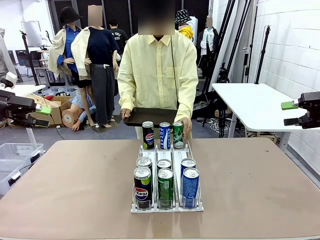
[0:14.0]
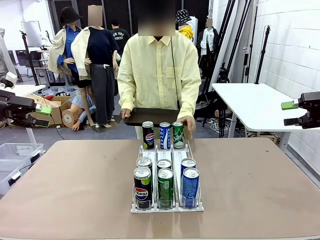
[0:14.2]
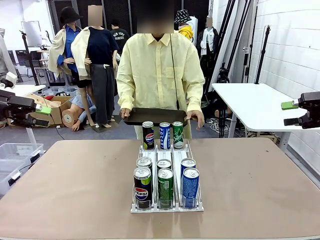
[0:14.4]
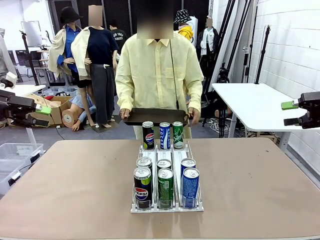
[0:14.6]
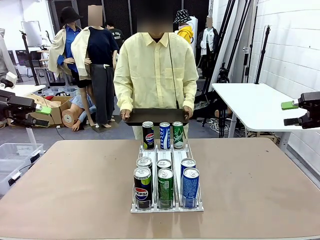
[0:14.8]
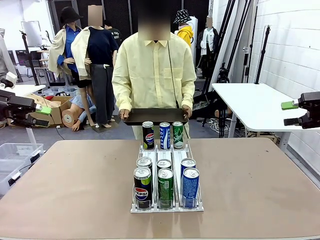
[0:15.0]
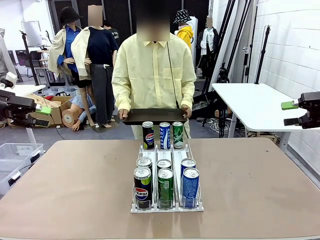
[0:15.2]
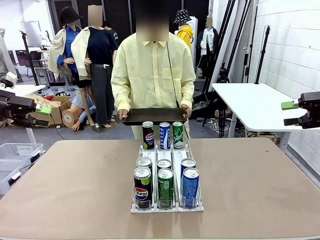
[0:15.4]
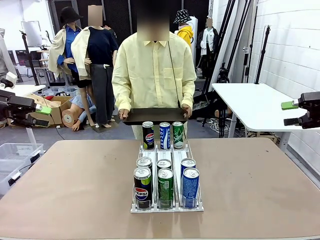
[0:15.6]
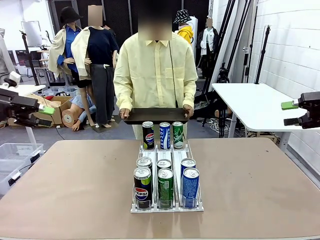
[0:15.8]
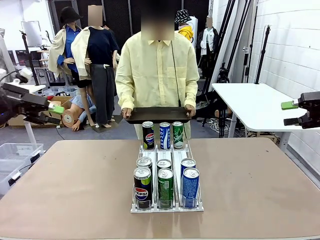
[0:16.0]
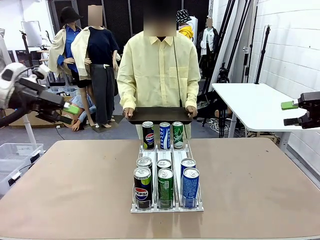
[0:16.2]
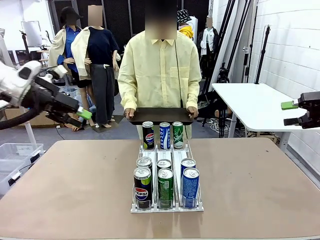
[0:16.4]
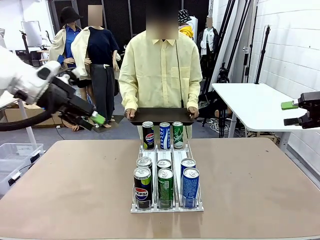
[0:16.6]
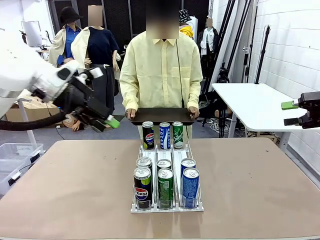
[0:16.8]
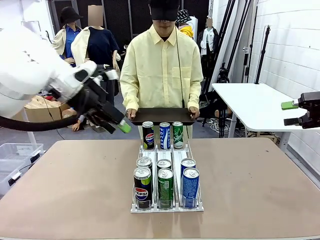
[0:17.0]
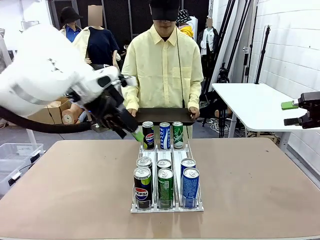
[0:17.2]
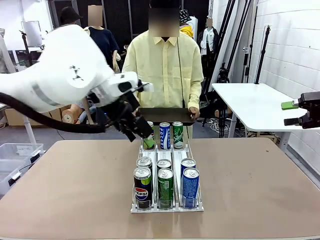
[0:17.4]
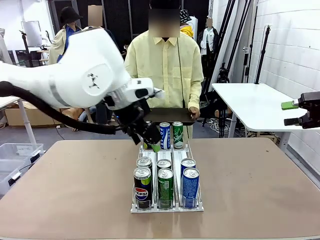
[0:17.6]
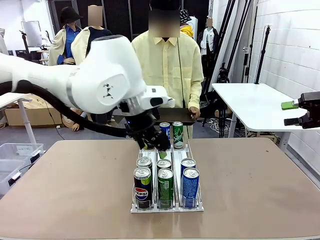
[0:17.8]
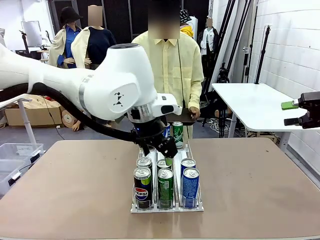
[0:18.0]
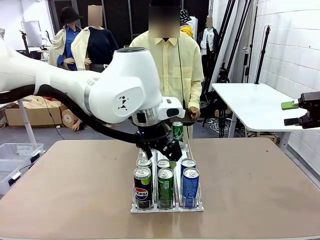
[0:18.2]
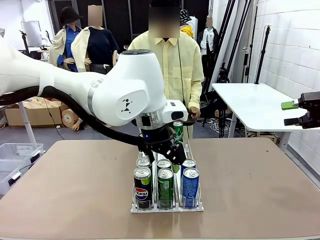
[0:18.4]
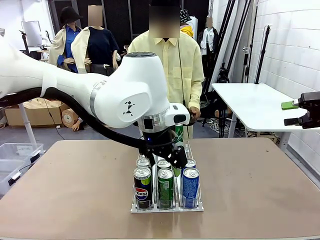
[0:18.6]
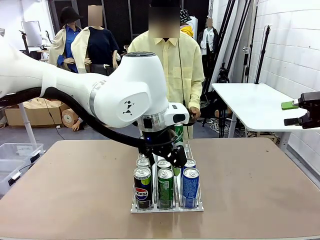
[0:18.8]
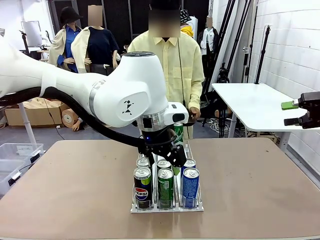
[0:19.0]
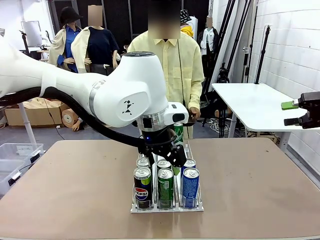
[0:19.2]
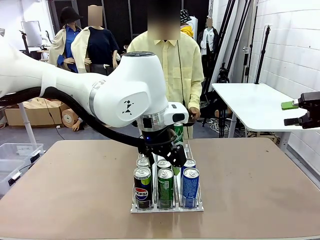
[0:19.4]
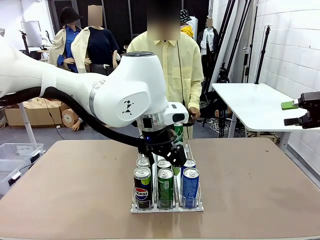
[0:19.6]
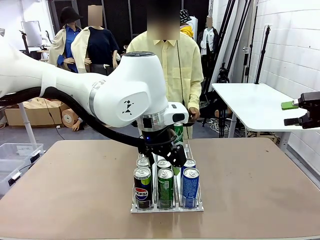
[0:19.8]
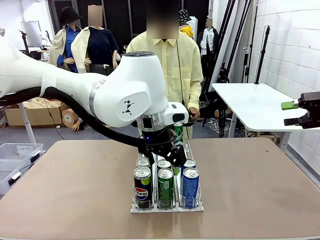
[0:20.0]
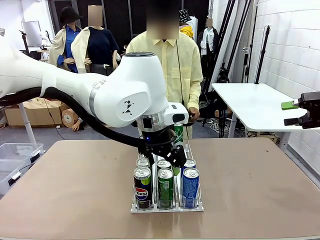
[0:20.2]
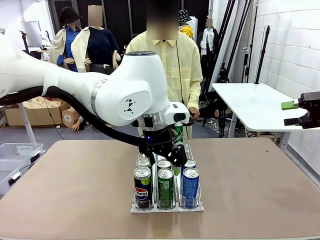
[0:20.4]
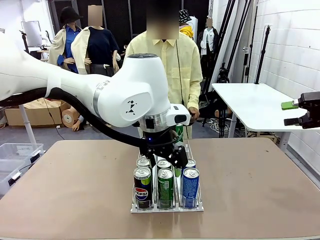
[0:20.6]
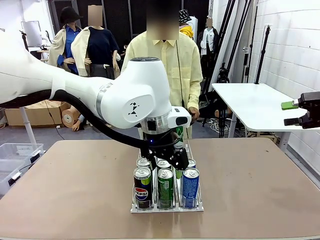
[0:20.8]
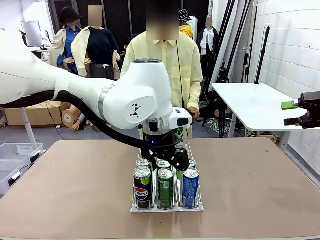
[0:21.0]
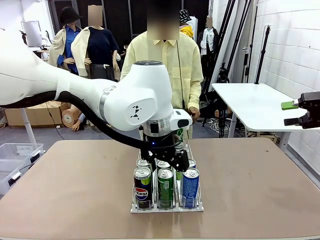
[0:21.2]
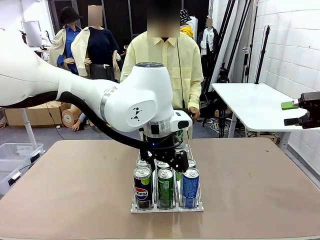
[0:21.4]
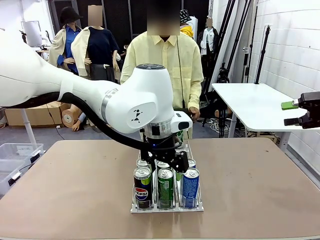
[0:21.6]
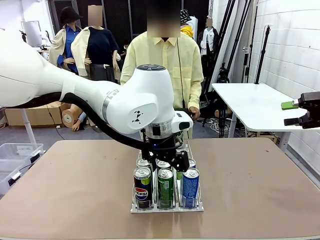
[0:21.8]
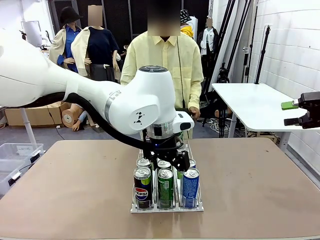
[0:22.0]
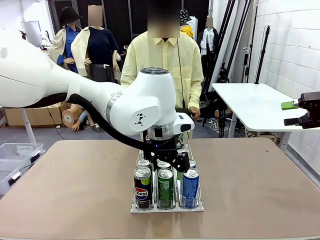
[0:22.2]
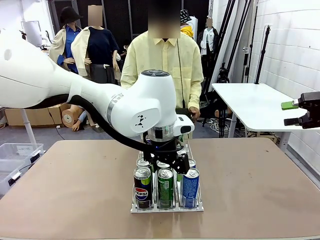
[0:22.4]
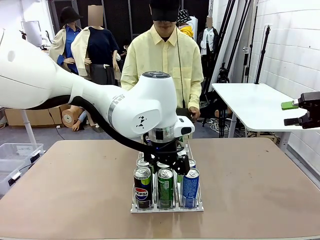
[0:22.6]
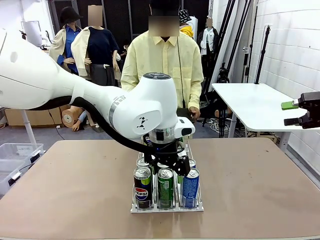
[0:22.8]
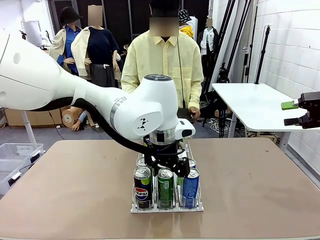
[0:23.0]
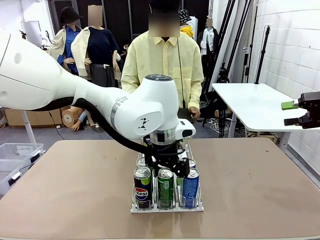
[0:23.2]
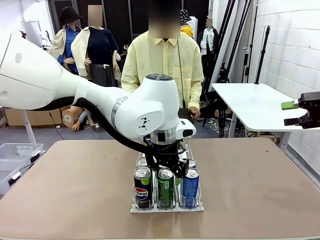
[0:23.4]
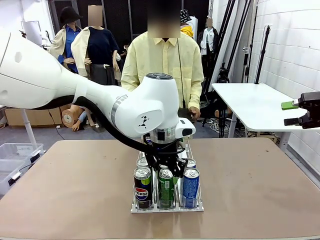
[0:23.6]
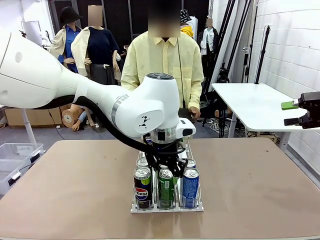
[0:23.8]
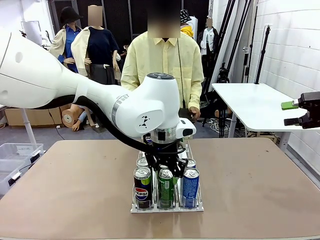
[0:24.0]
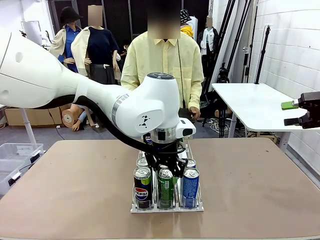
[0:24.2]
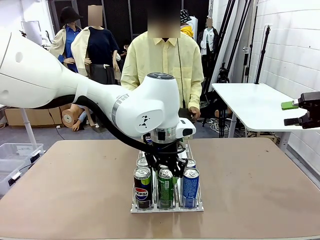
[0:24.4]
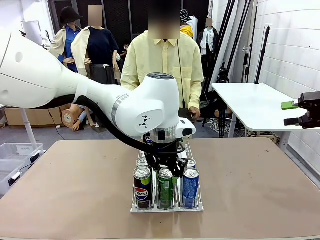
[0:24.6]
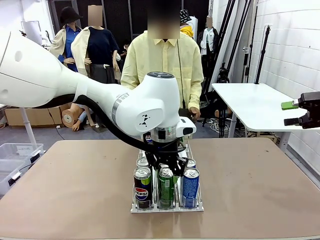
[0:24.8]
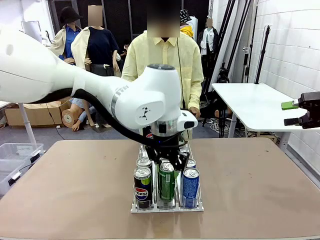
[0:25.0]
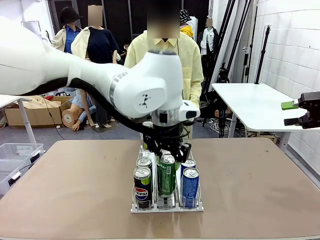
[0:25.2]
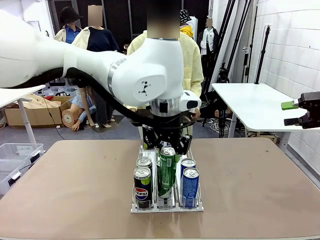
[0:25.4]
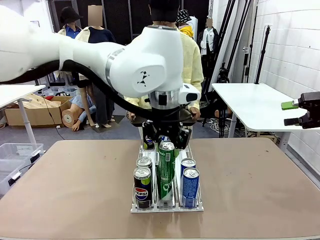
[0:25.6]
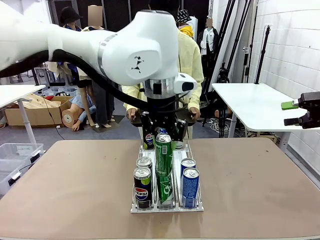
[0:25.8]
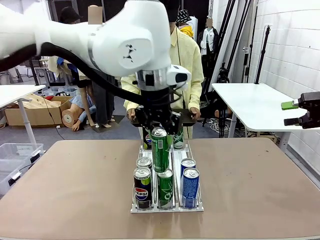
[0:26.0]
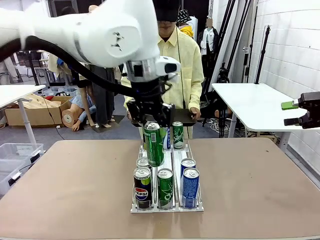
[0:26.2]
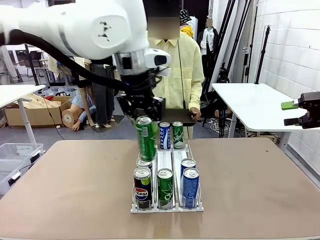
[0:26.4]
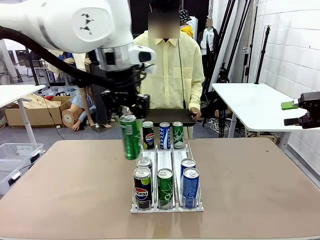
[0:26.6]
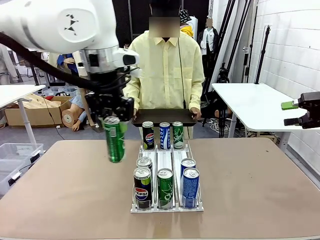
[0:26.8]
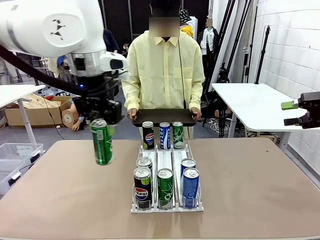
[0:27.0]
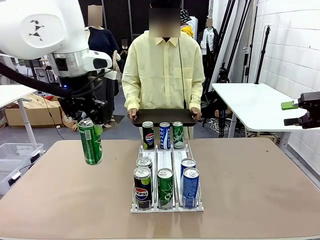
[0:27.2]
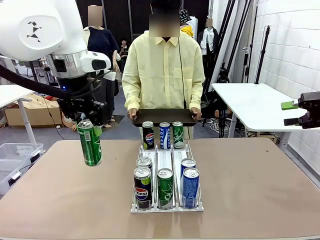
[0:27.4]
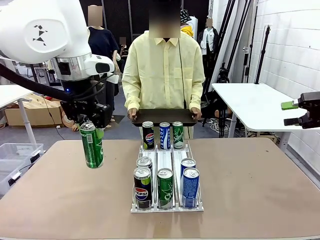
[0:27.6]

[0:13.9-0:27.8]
Task: Retrieve and hand over the desired beverage to the person.
Robot: Pick up a can of the same type that the person held from the Automatic Can Dispenser.
Person: Push the tray toward the robot.

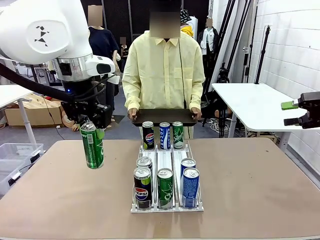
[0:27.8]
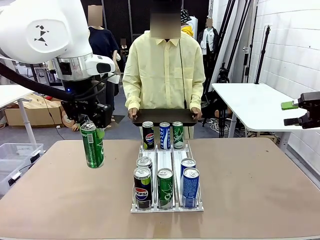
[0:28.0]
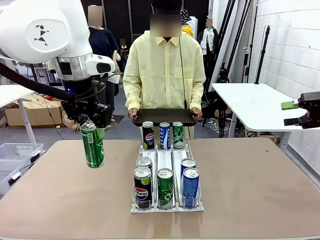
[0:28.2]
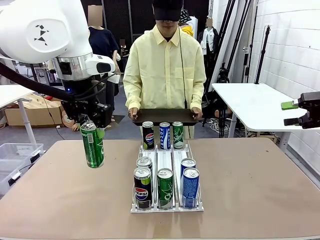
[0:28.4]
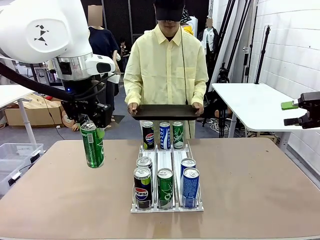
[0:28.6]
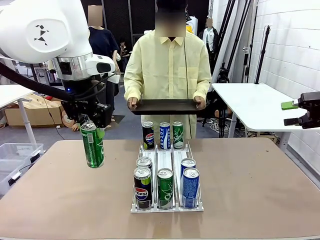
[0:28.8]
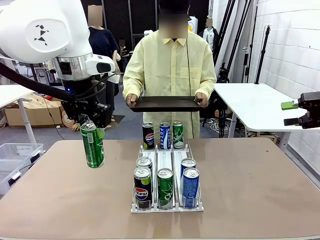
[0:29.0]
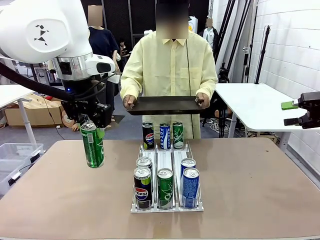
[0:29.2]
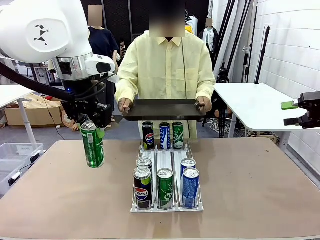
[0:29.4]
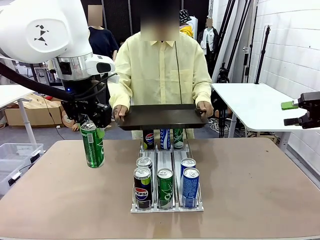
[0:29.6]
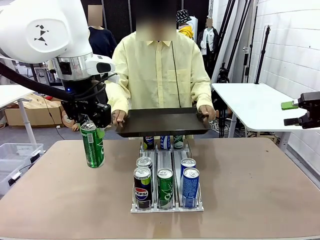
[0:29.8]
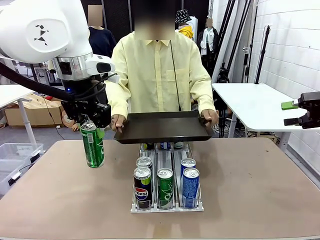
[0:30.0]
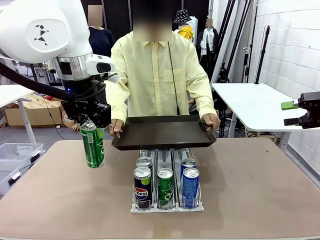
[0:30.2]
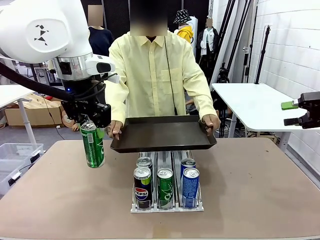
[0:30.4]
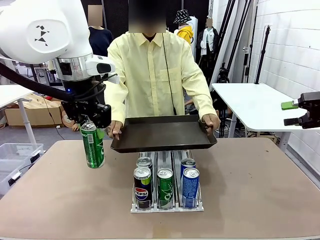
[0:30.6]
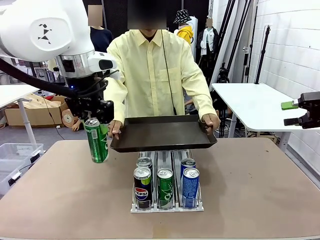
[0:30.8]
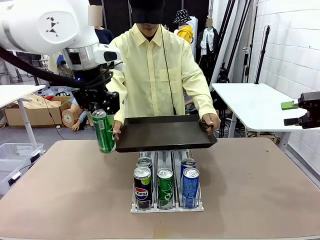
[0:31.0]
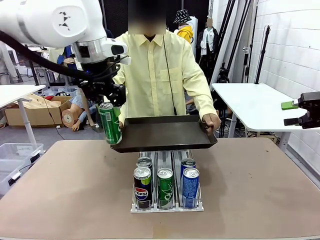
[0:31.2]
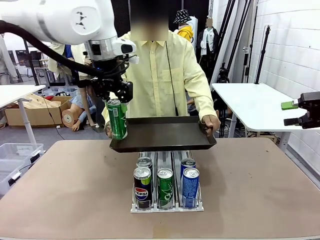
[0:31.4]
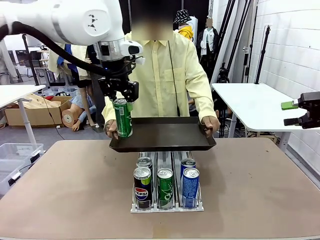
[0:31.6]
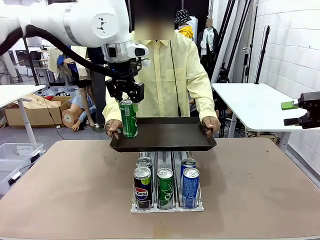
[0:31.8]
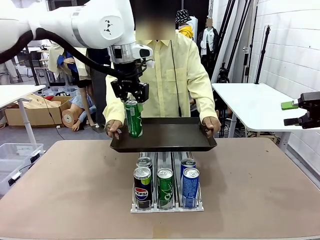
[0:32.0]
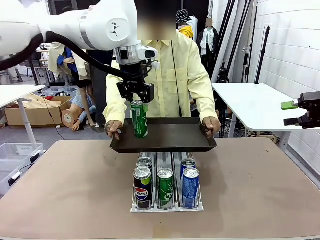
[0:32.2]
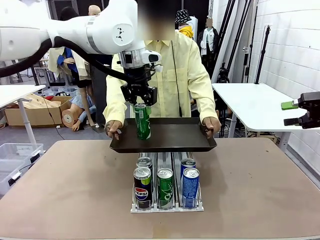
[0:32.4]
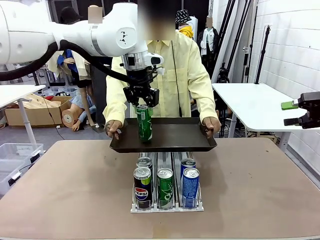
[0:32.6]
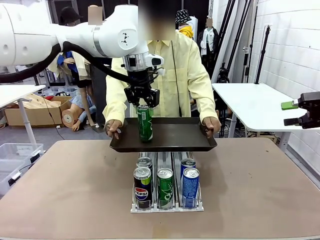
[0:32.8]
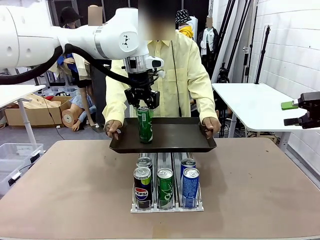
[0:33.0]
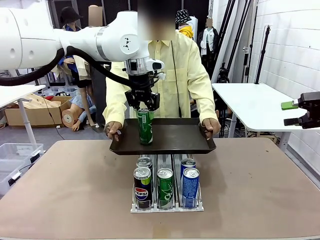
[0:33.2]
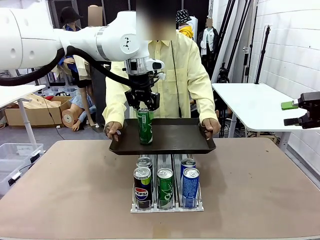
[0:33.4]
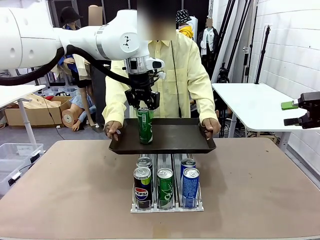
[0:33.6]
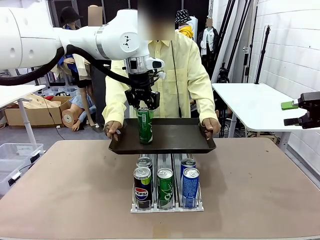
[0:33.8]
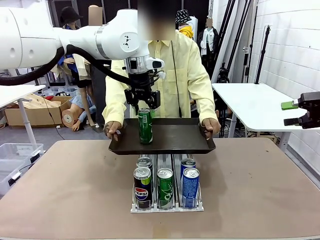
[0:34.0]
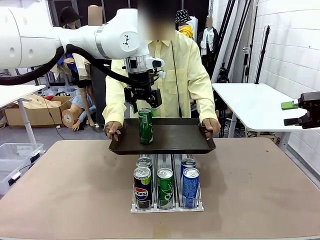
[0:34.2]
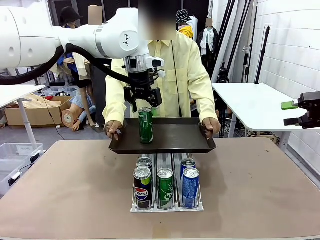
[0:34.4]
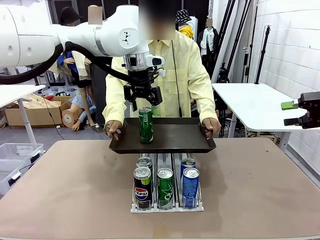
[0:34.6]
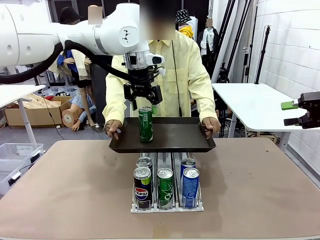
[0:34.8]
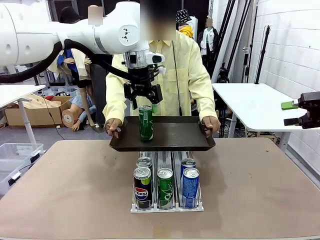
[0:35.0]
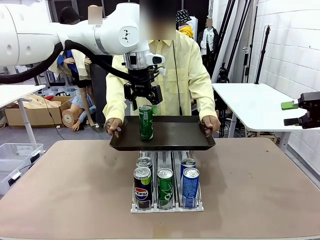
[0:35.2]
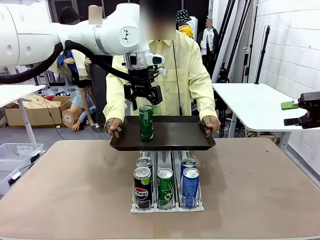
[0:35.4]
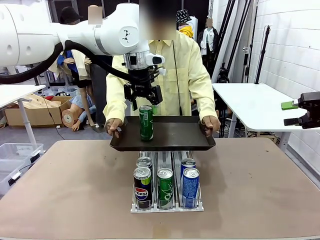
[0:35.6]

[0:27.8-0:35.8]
Robot: Place the picked can on the Handle tray extended by the person.
